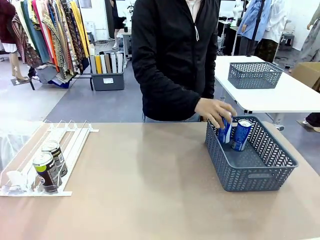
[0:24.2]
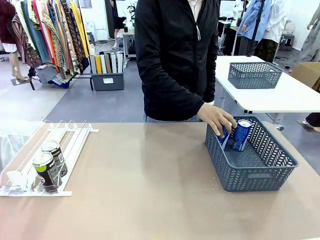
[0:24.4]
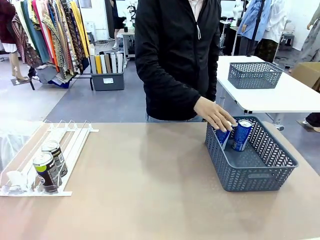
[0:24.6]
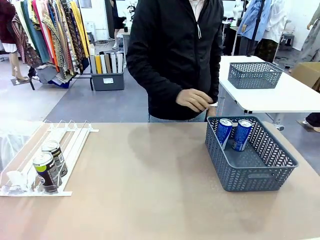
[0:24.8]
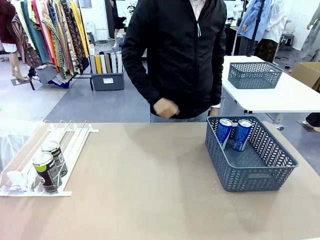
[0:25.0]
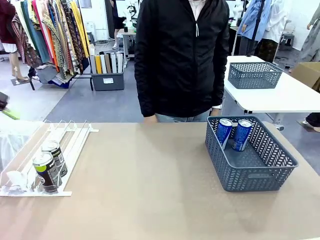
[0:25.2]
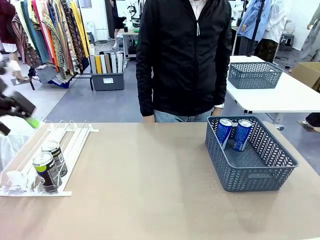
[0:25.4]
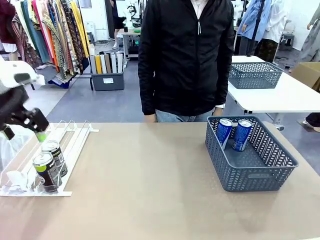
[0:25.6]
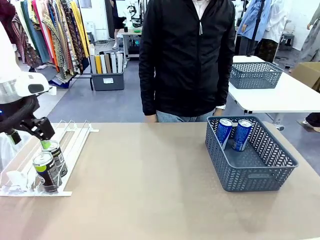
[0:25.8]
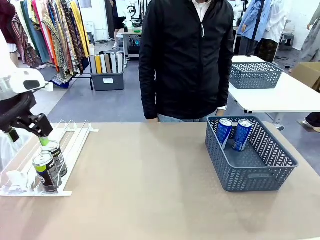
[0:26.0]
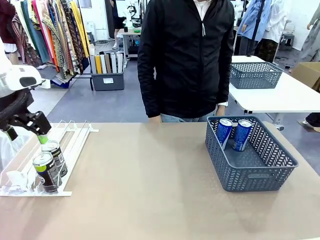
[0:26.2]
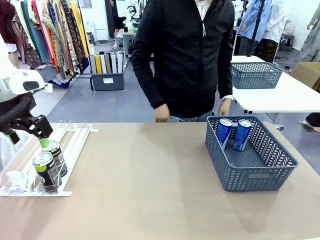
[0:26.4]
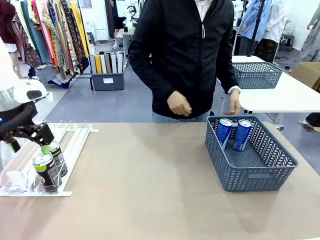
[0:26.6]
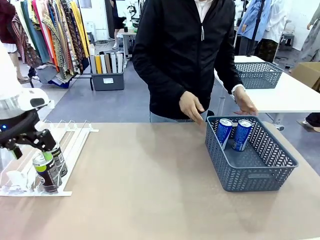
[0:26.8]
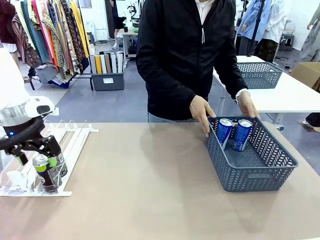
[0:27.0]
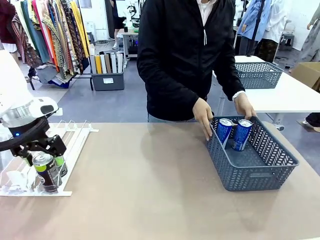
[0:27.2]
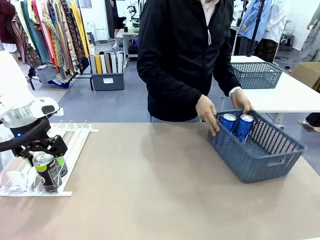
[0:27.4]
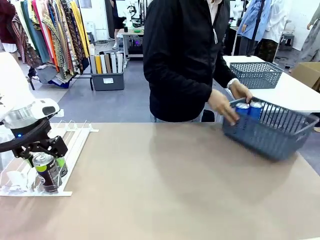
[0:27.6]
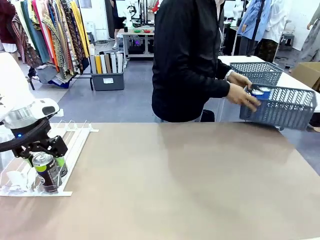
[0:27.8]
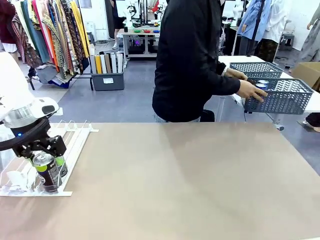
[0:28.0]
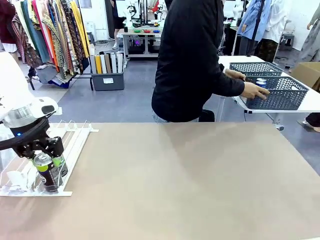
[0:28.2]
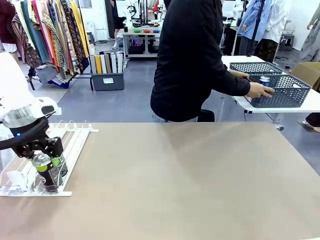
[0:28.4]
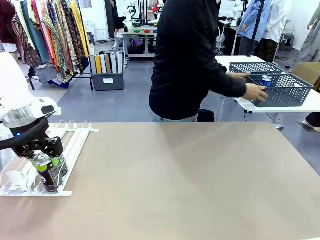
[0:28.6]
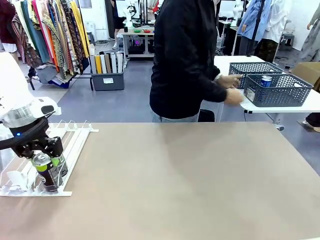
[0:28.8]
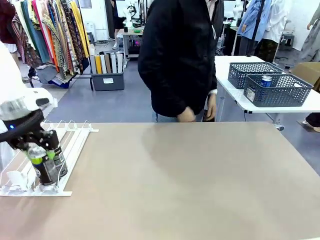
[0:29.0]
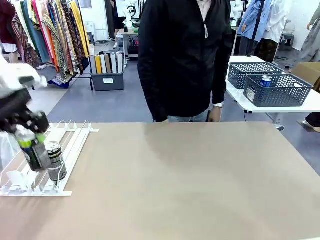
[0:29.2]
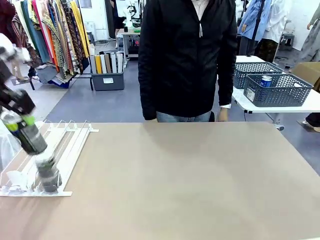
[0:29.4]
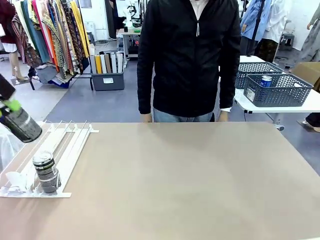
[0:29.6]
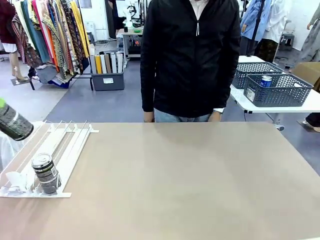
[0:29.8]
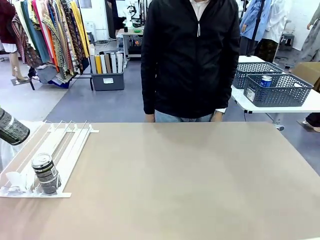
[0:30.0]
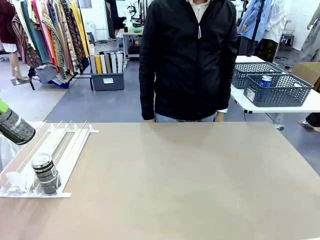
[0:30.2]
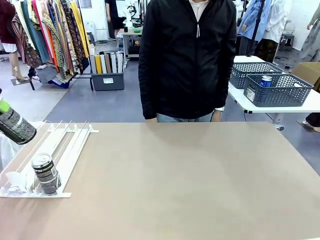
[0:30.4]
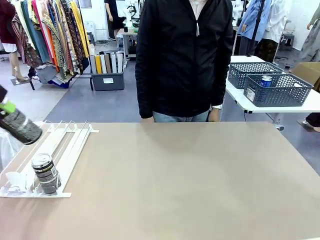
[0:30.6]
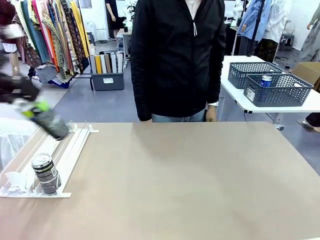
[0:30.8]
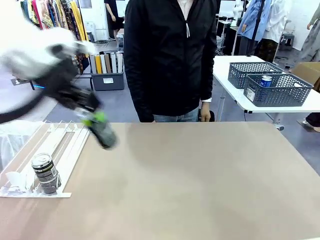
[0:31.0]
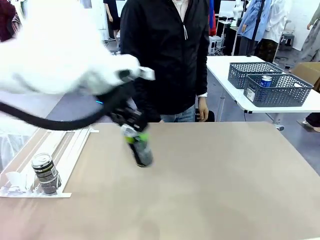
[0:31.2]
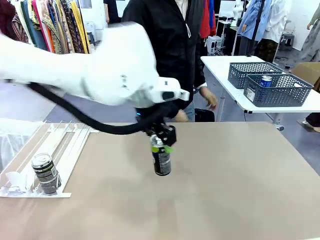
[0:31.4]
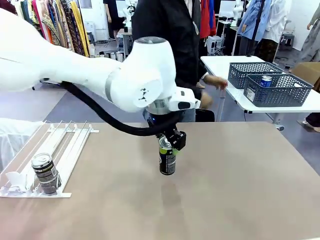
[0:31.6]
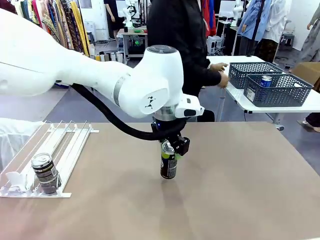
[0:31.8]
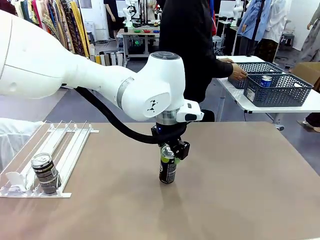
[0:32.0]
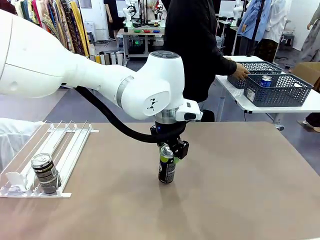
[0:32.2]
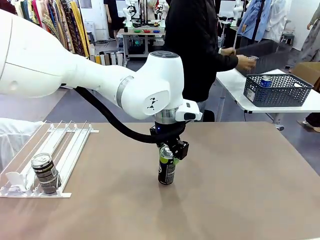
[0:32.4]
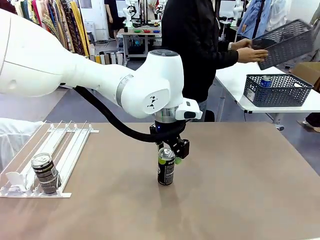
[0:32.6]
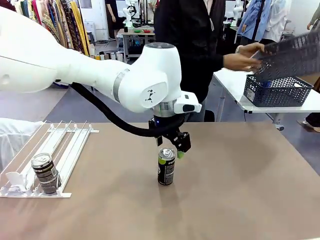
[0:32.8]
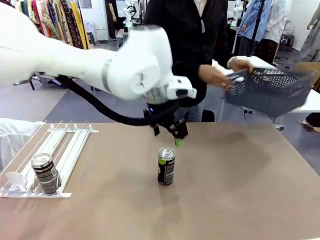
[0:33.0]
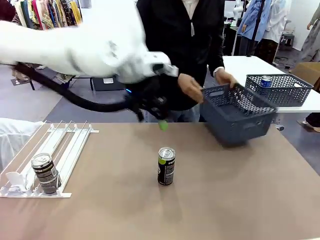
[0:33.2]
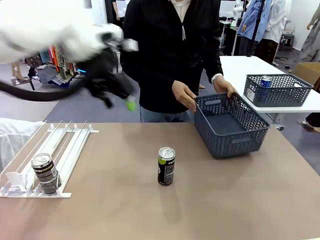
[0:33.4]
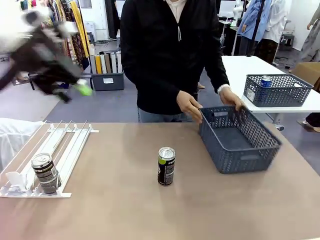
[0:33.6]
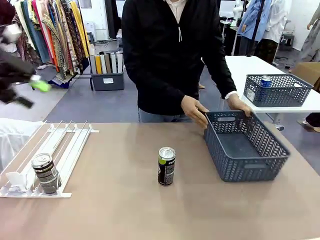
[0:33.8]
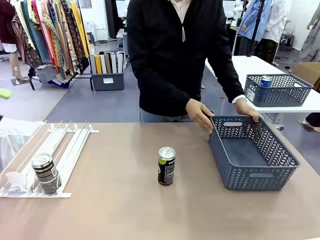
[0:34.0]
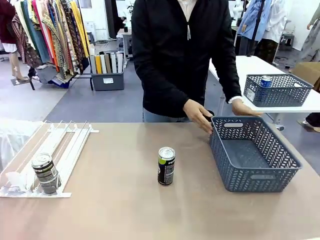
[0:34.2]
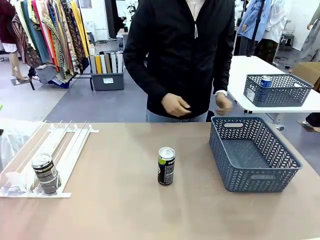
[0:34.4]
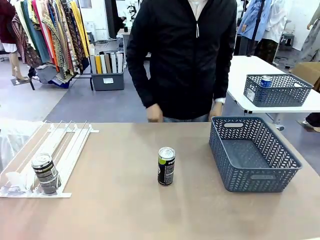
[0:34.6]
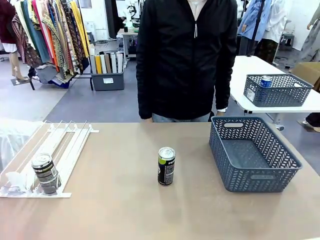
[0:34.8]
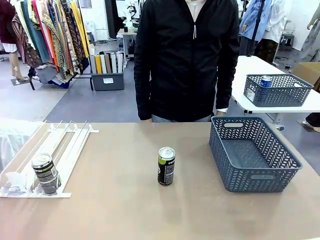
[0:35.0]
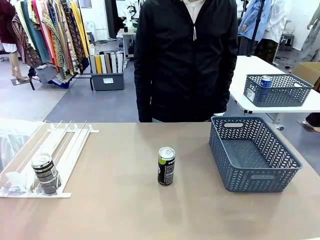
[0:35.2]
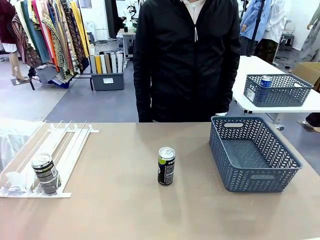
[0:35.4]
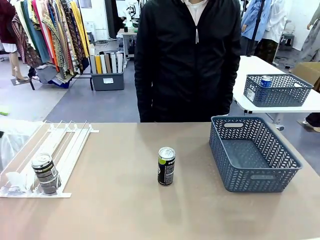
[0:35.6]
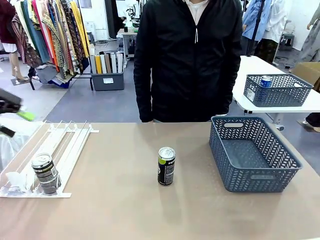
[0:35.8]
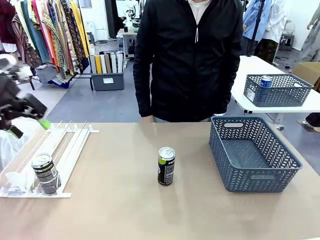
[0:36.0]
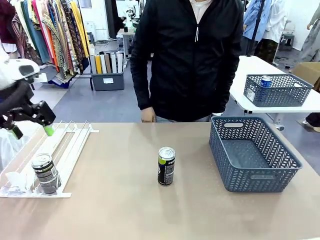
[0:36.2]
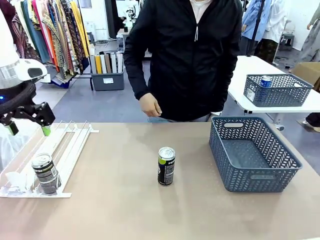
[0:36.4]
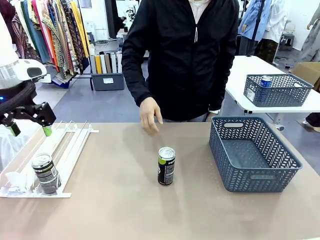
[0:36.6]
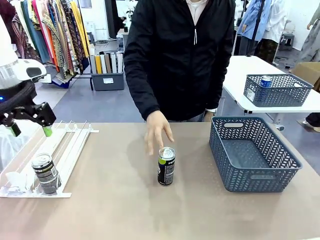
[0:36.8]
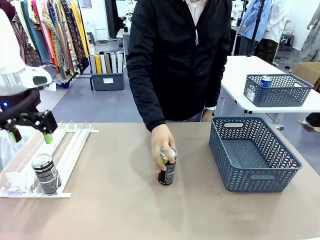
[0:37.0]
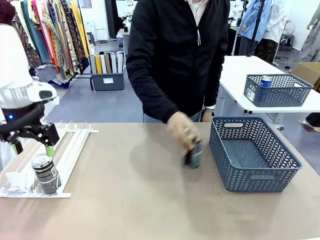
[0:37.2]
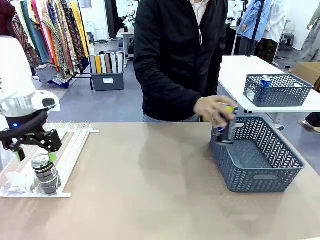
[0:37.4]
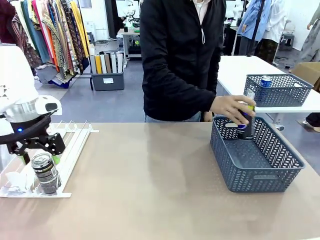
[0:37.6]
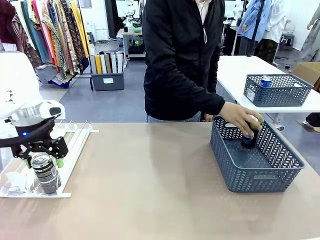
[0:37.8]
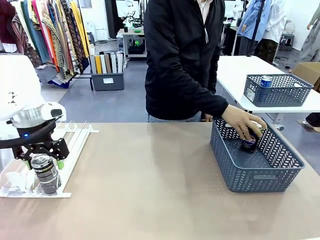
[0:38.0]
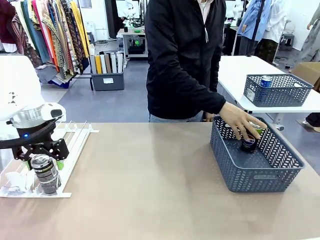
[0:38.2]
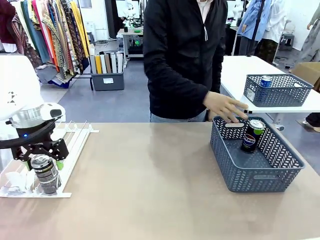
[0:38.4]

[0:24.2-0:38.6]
Task: Retrieve and store the cans from the dispenser.
Robot: Pick up one can from the Automatic Can Dispenser and place it in the middle of the table.
Person: Pick up the basket and place it in the middle of the human table. Pick up the empty basket and place it on the left side of the robot table.

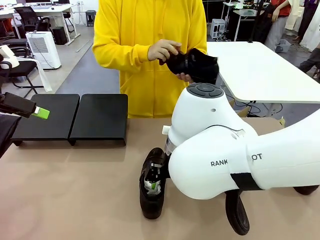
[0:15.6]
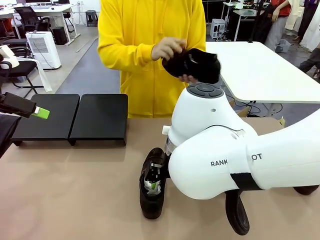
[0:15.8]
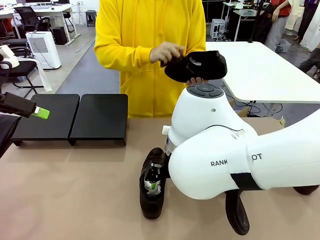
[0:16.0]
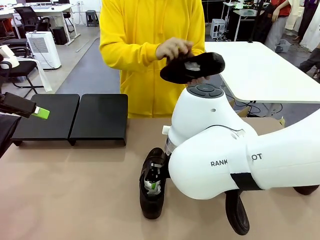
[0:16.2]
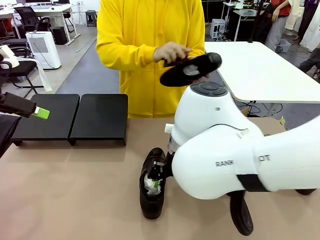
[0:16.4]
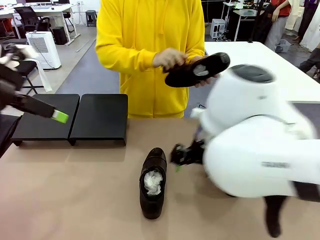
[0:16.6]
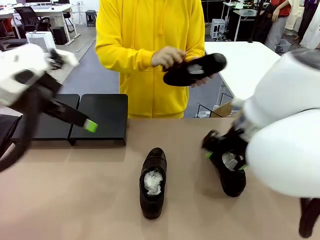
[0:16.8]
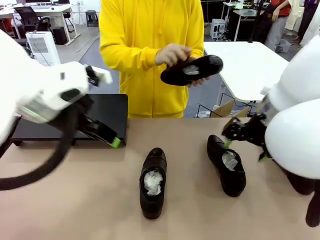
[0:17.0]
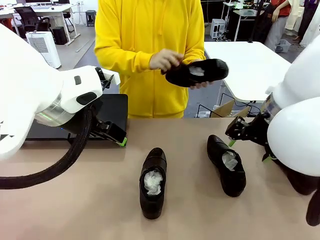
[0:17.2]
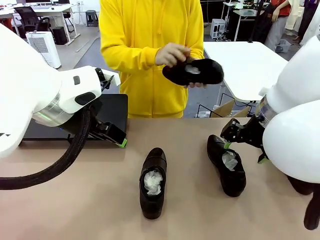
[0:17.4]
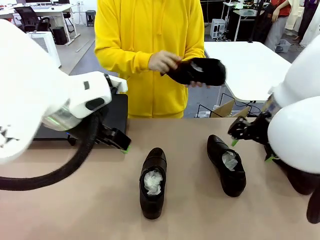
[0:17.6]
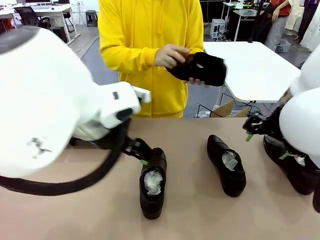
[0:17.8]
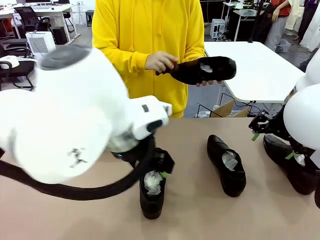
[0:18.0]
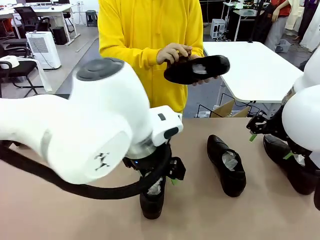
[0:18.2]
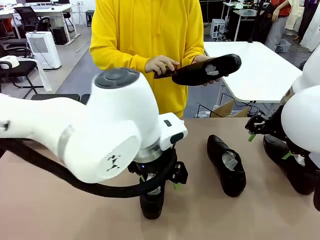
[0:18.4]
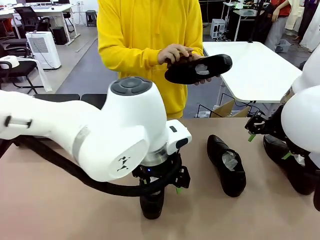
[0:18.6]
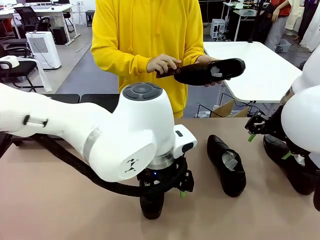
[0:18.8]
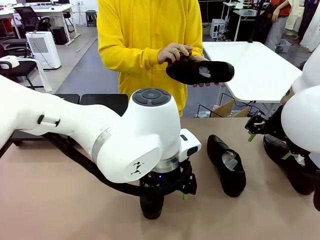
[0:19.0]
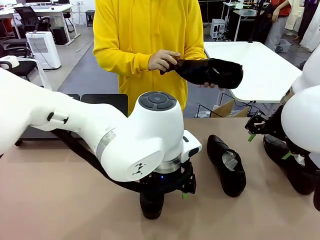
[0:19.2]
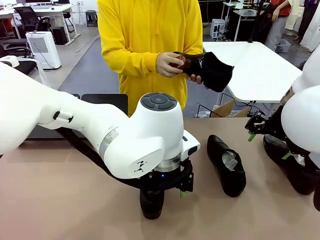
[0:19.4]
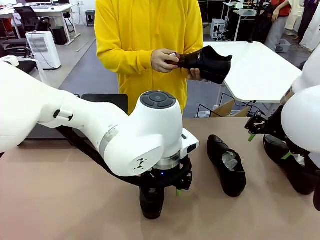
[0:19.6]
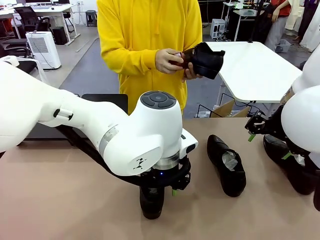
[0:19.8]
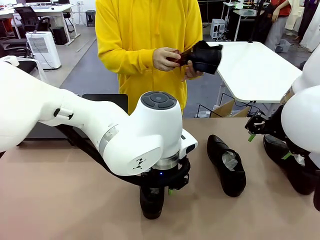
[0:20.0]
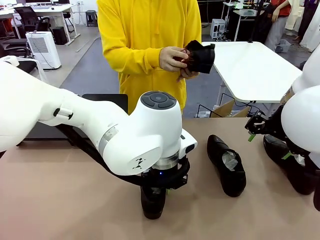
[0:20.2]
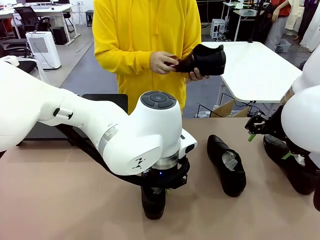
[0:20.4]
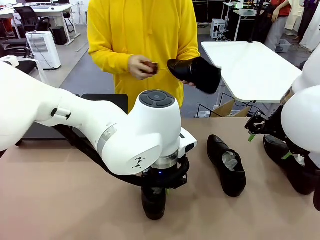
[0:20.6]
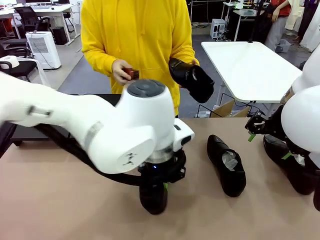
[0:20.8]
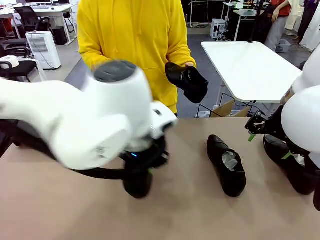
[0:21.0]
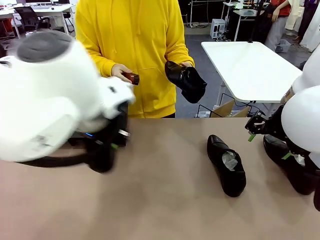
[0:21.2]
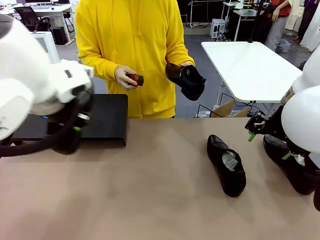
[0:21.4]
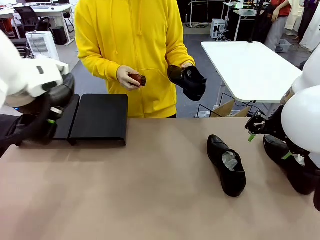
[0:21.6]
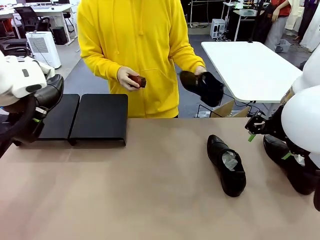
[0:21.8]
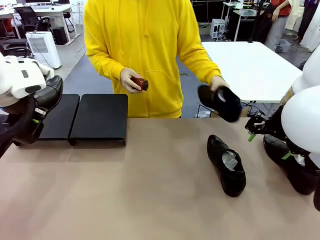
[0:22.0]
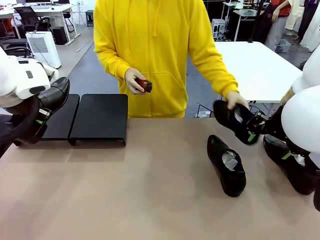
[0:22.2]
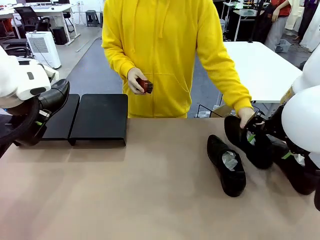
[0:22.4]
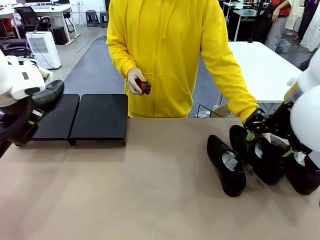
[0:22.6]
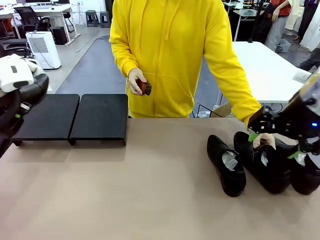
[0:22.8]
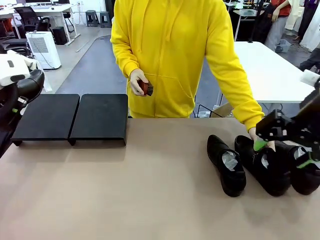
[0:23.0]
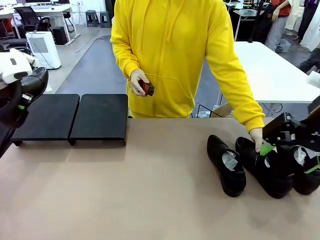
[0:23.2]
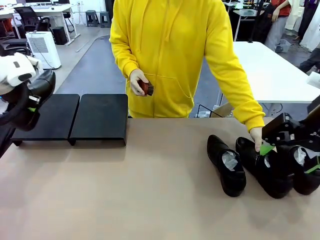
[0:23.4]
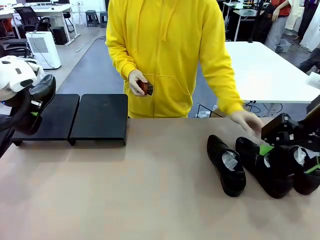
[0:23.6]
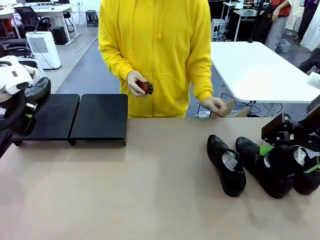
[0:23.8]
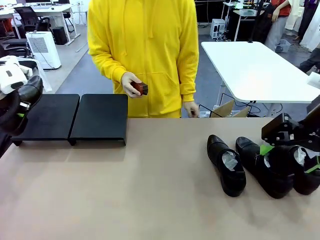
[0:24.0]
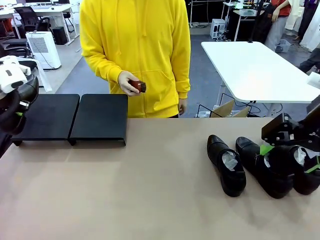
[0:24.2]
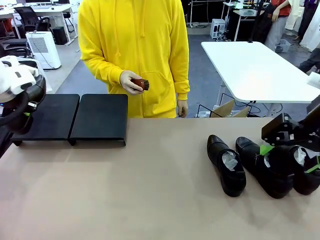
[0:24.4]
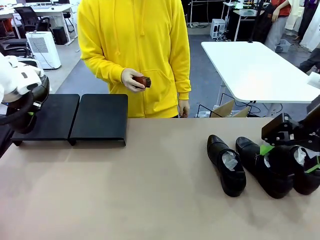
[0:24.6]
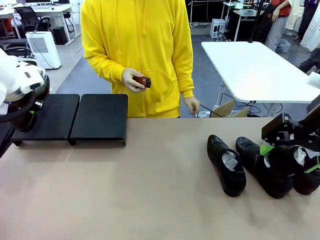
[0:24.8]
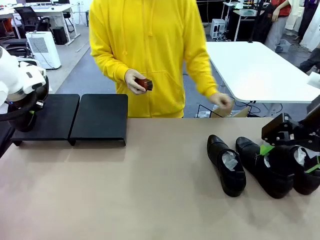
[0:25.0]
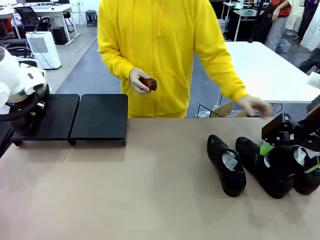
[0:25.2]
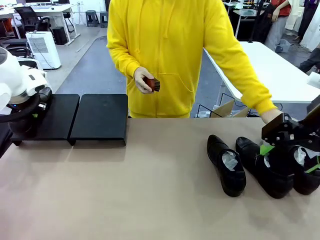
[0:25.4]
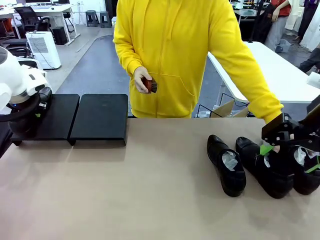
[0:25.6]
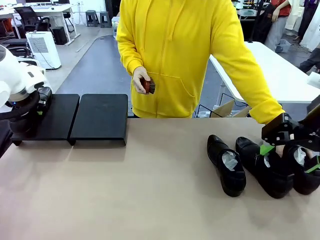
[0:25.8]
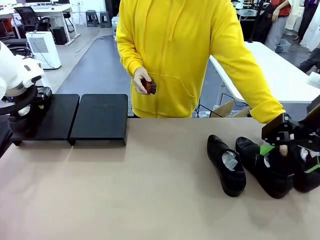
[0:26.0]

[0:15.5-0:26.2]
Task: Organize the shoes by placing them on the stand.
Robot: Place the Shoe from the middle of the table onto the Shoes Stand.
Person: Place the Shoe on left side of the Robot's table. Pick one Shoe on Robot's table.
